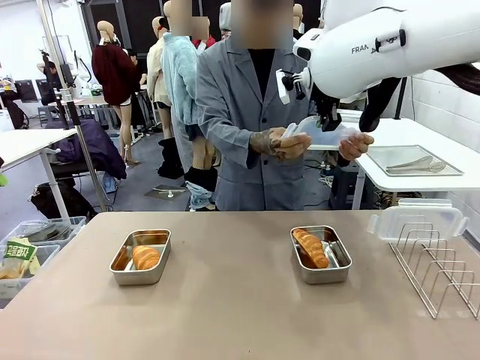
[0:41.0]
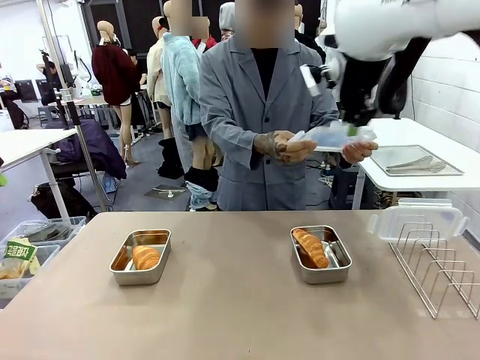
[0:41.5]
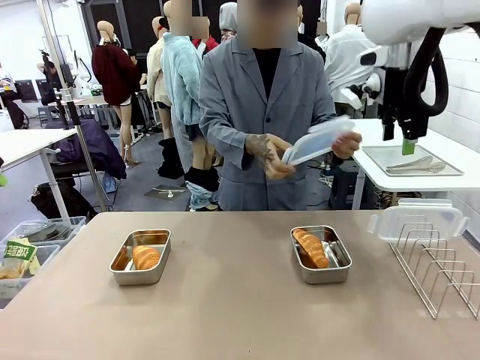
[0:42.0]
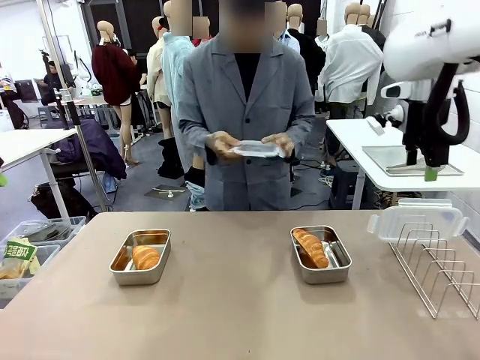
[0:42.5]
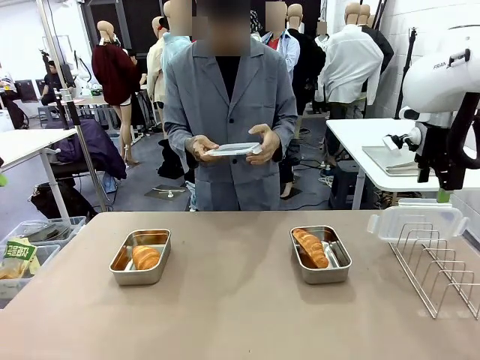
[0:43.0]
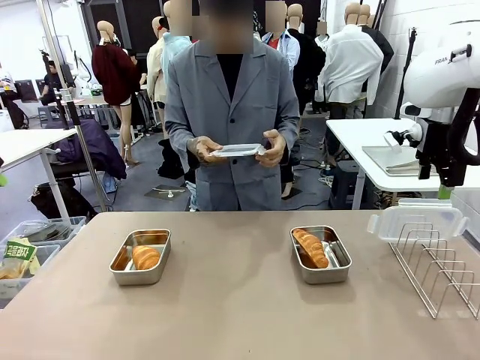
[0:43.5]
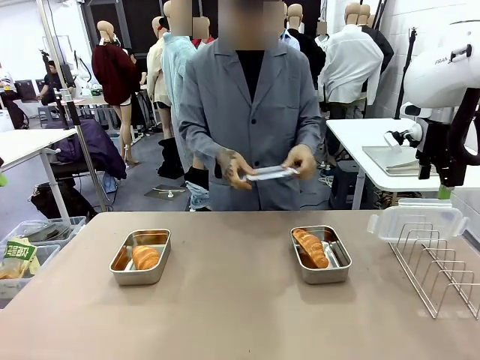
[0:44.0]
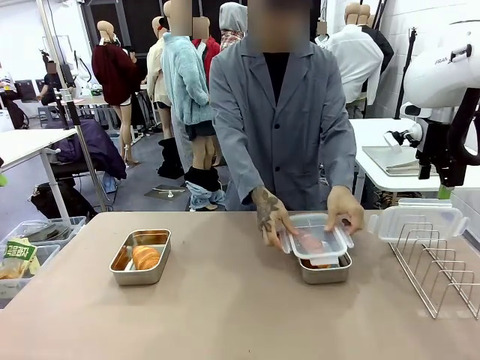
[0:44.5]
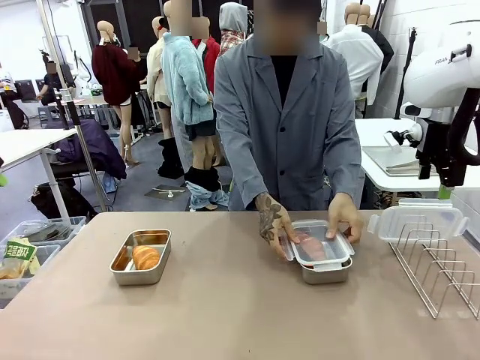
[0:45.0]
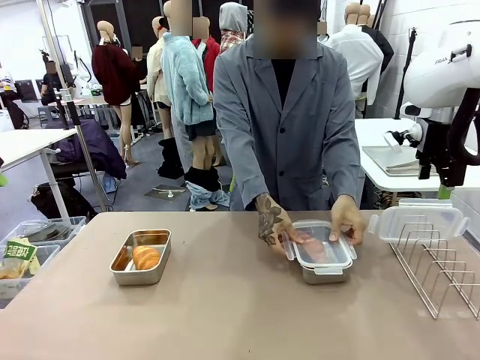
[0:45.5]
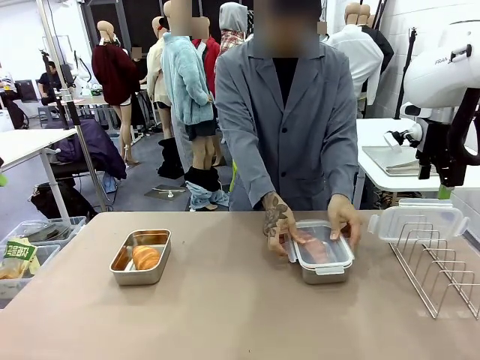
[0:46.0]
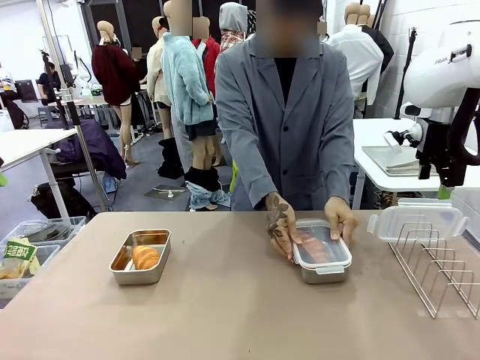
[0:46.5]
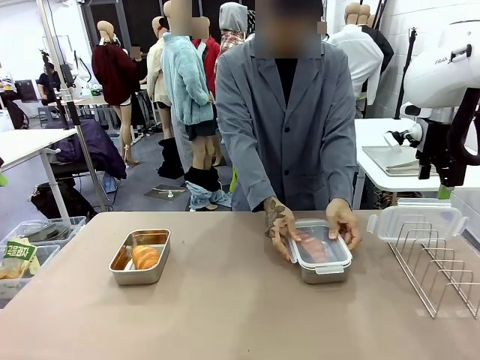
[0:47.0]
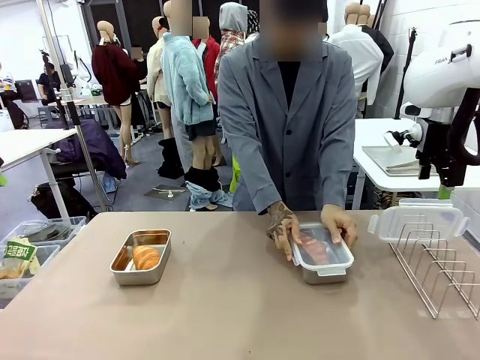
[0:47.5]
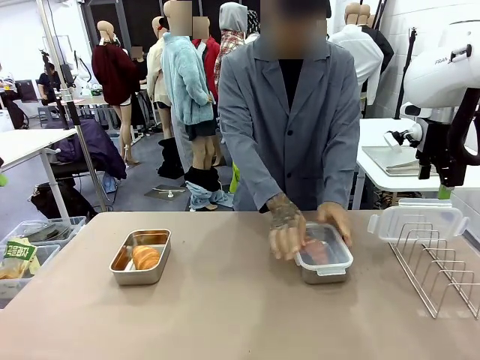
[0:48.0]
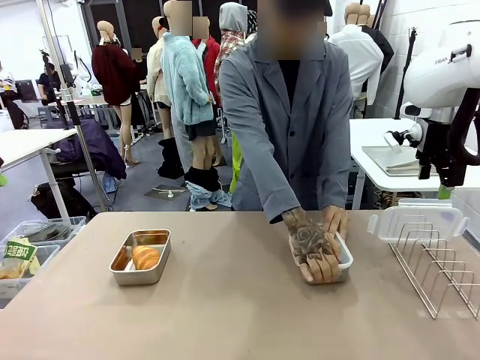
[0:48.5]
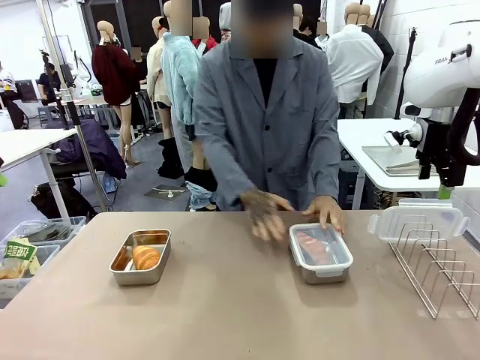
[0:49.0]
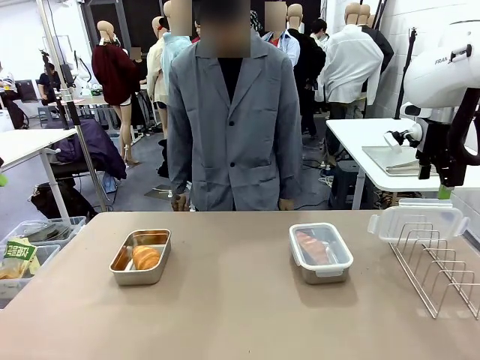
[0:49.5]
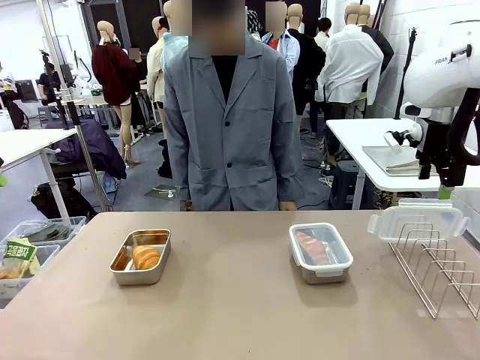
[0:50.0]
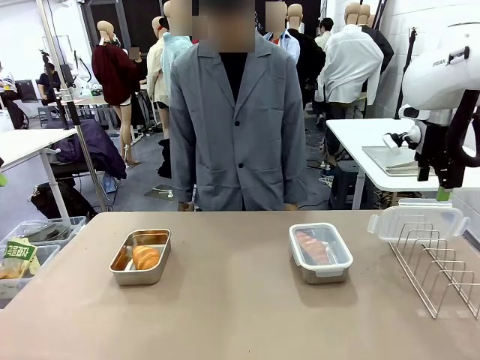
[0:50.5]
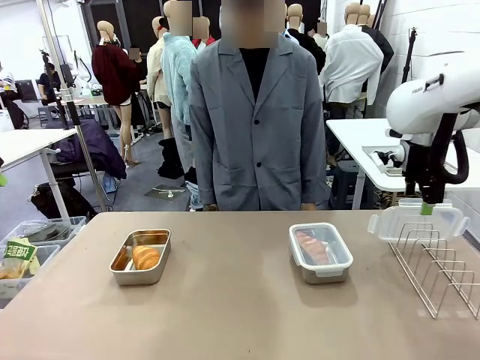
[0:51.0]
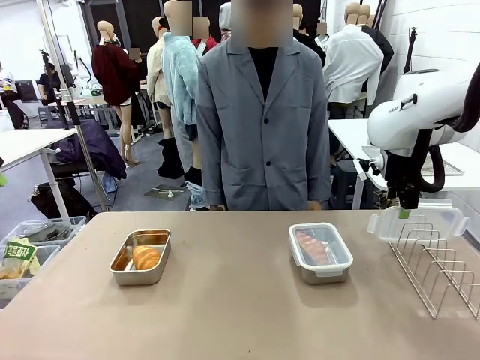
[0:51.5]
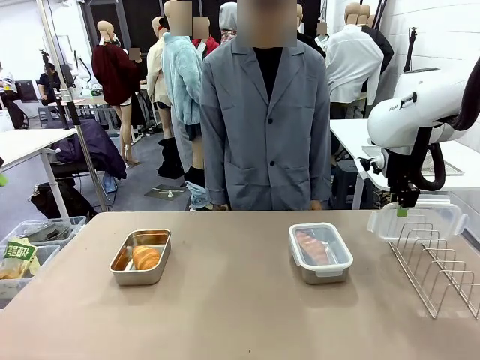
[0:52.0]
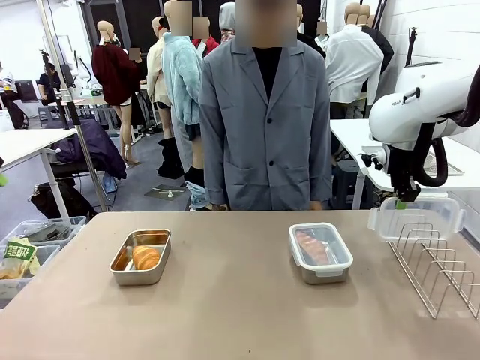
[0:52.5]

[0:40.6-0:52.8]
Task: Place the bread in airtight containers.
Robot: Pick up one Airtight Container lid and hand it to the human.
Person: Close Airtight Container with a handed Airtight Container lid.

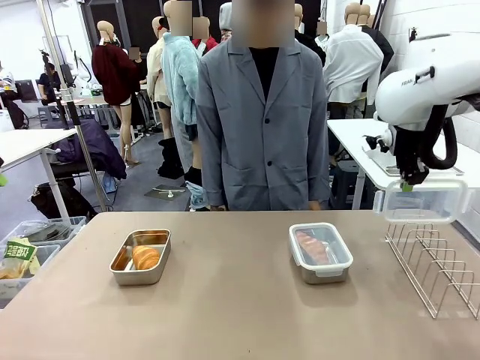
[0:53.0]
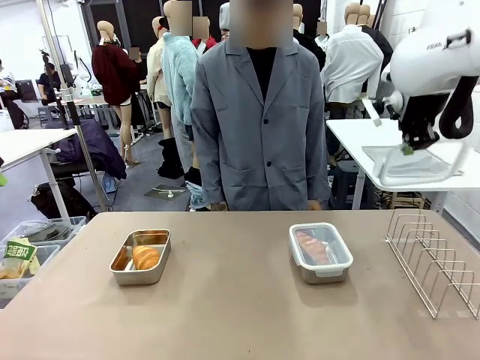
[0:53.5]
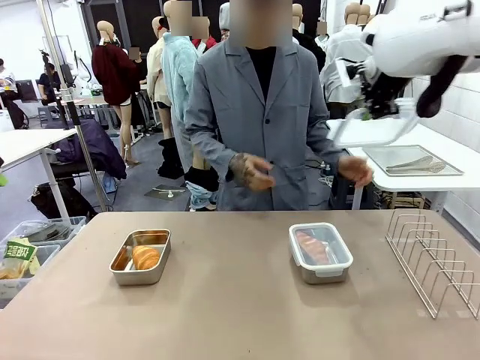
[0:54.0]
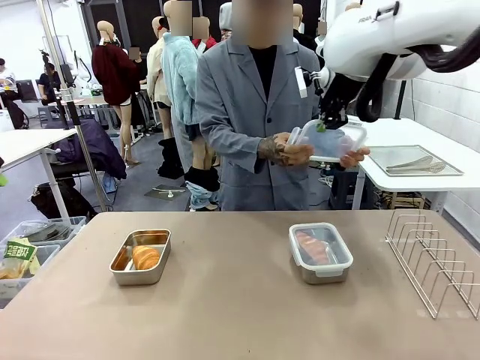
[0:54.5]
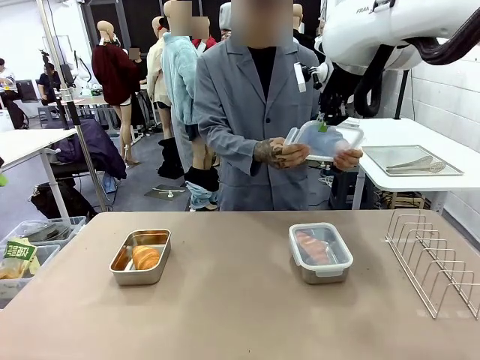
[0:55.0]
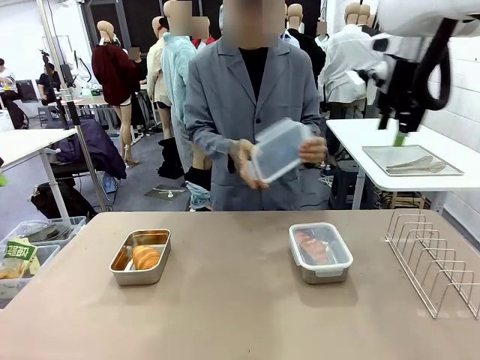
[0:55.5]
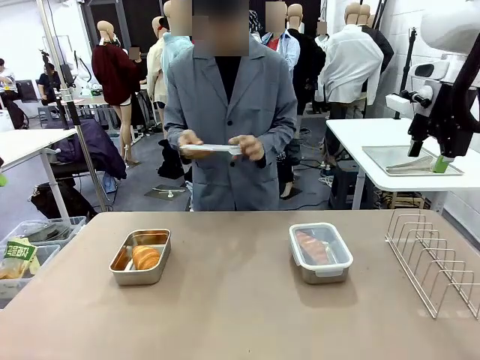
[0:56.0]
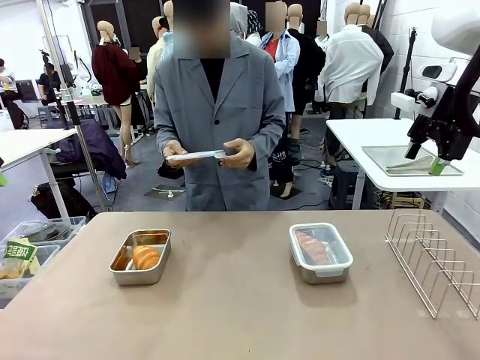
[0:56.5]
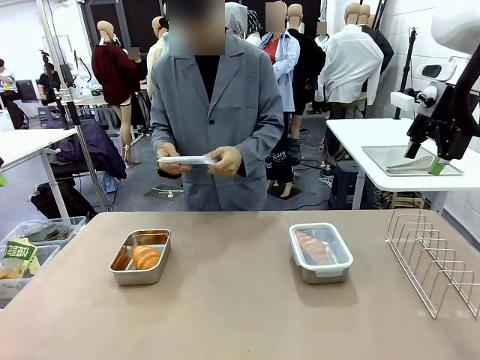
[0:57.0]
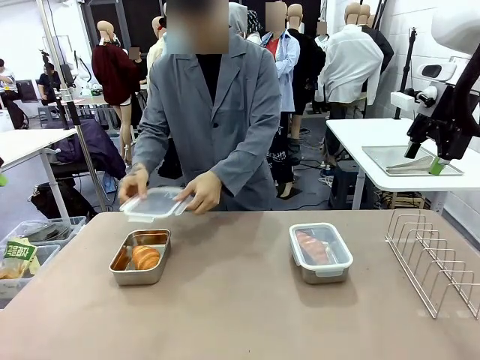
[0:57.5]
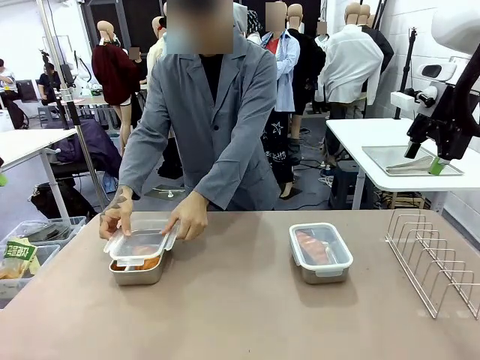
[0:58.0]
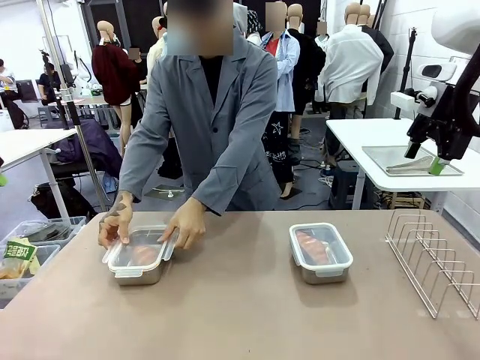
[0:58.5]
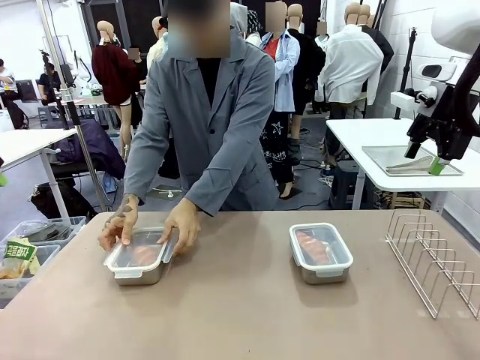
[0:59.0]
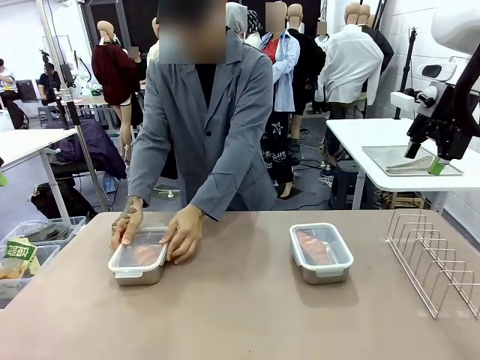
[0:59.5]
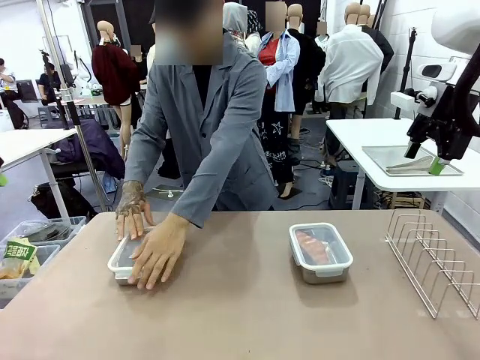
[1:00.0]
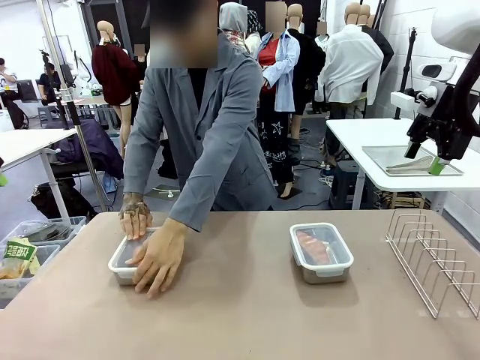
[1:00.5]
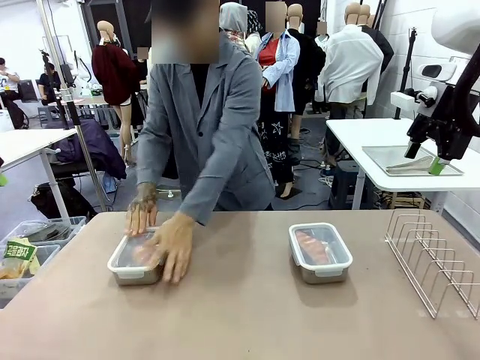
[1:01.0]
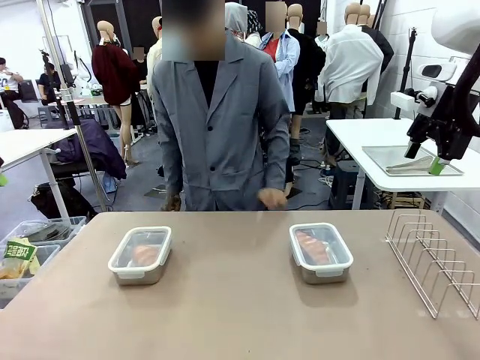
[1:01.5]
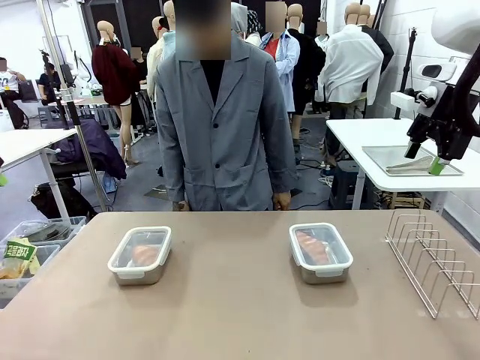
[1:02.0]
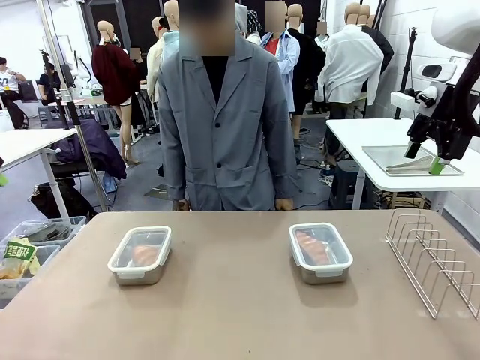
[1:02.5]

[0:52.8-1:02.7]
Robot: Release when the human grabs the Airtight Container lid.
Person: Grip Airtight Container lid that robot is handing. Close Airtight Container with a handed Airtight Container lid.
